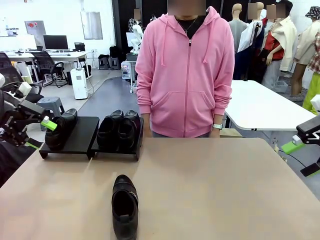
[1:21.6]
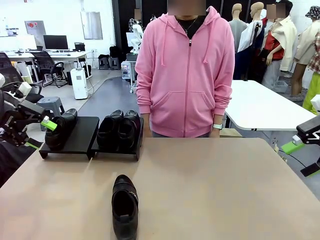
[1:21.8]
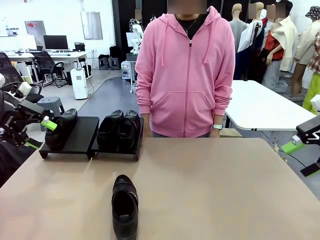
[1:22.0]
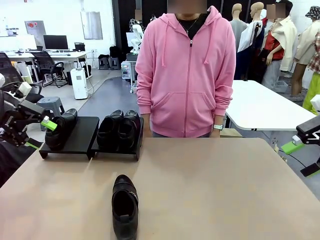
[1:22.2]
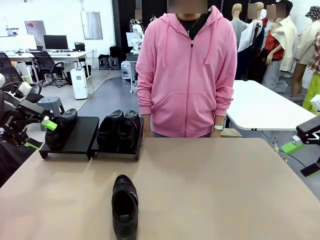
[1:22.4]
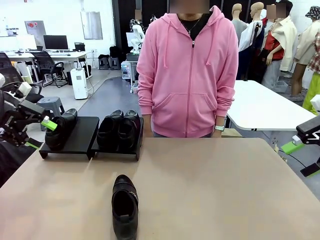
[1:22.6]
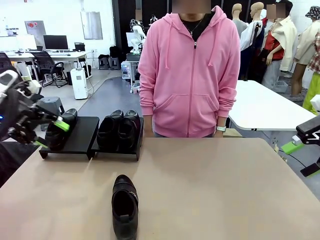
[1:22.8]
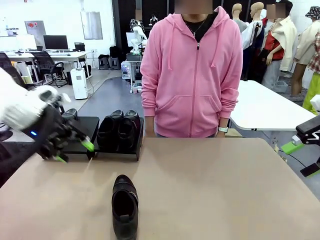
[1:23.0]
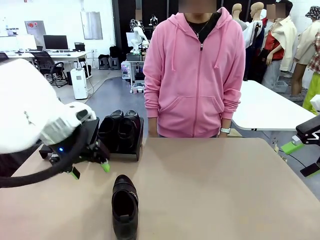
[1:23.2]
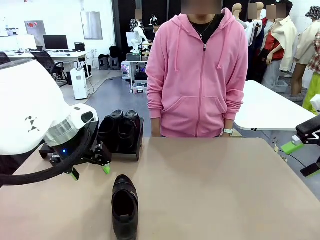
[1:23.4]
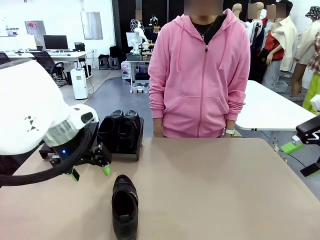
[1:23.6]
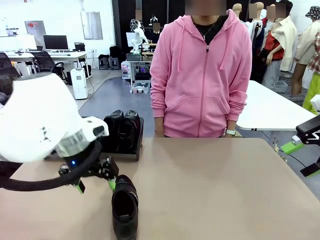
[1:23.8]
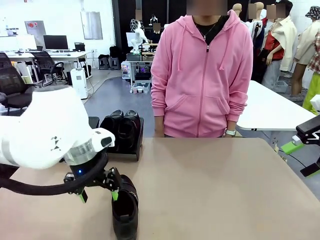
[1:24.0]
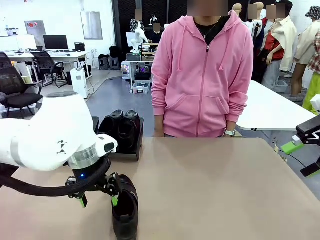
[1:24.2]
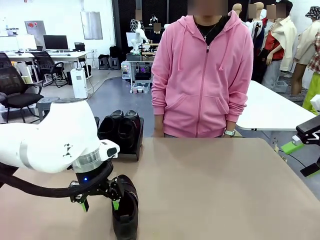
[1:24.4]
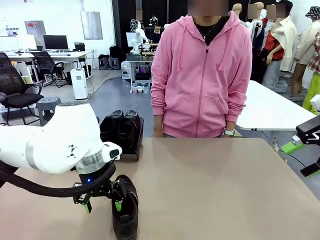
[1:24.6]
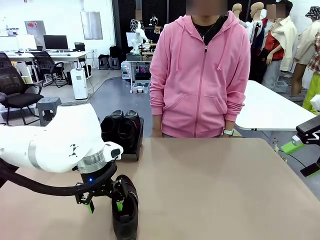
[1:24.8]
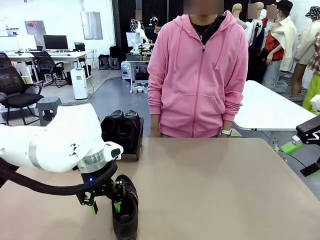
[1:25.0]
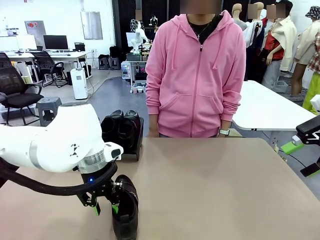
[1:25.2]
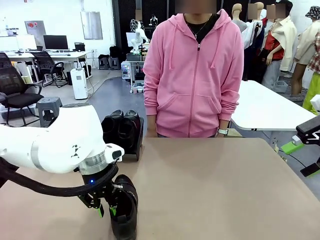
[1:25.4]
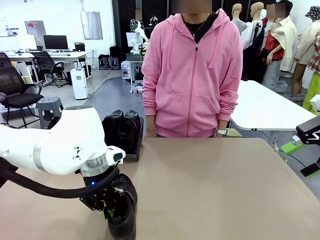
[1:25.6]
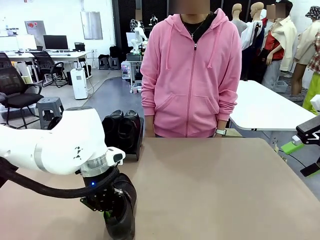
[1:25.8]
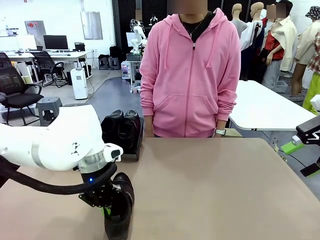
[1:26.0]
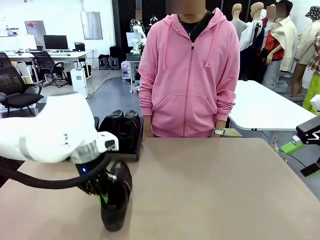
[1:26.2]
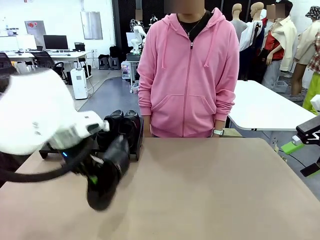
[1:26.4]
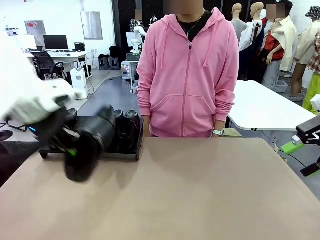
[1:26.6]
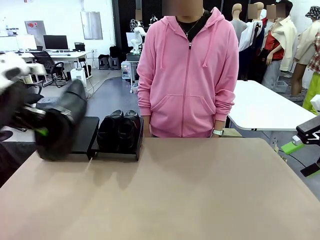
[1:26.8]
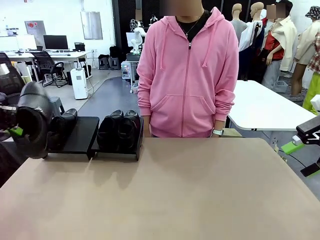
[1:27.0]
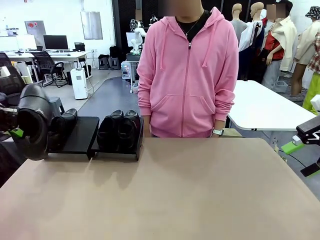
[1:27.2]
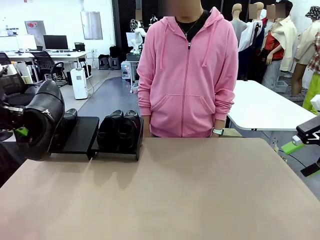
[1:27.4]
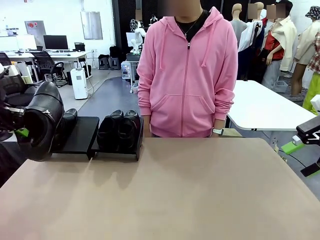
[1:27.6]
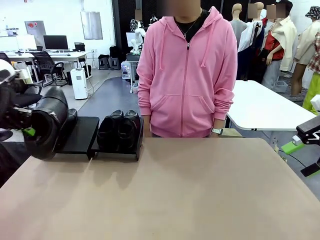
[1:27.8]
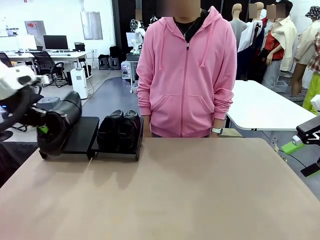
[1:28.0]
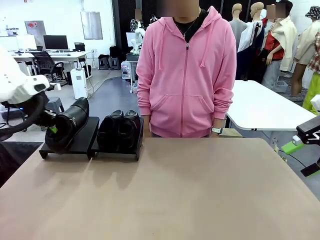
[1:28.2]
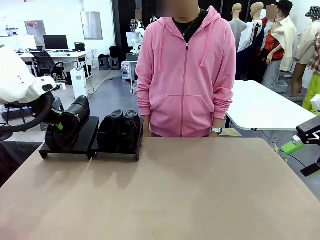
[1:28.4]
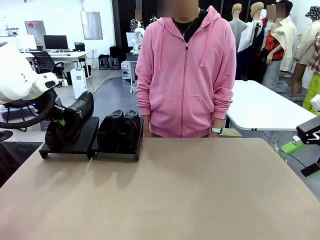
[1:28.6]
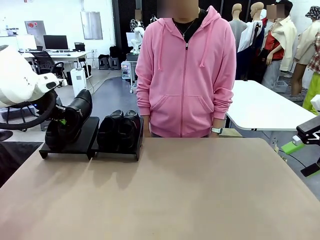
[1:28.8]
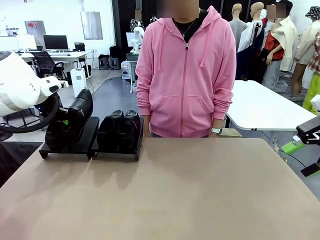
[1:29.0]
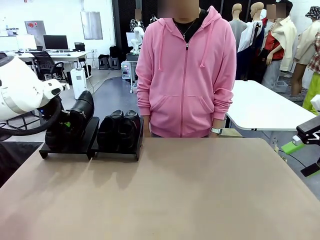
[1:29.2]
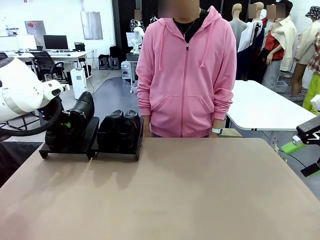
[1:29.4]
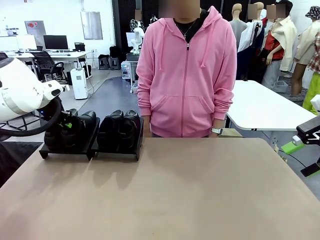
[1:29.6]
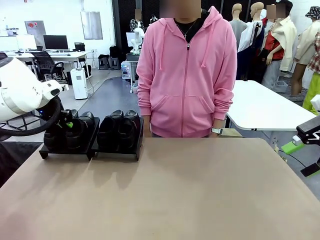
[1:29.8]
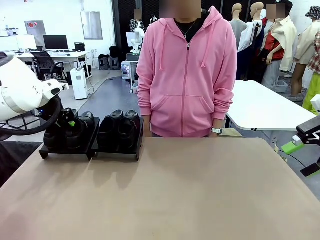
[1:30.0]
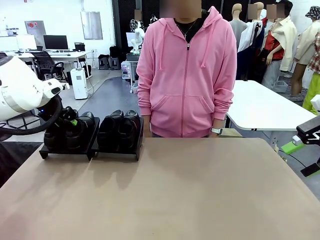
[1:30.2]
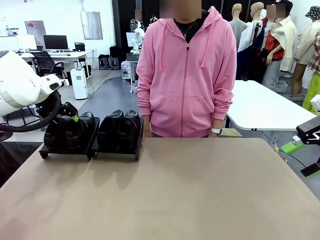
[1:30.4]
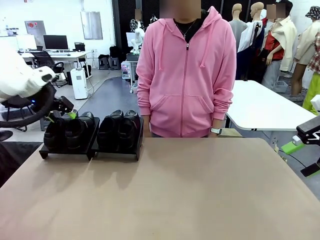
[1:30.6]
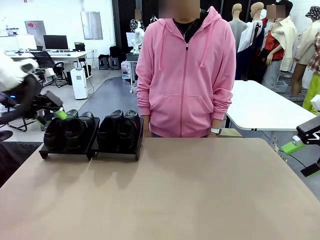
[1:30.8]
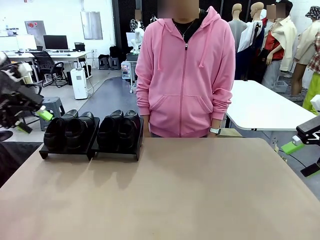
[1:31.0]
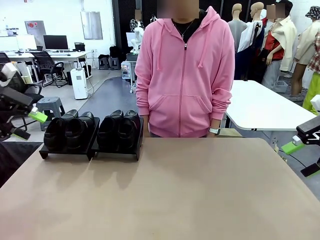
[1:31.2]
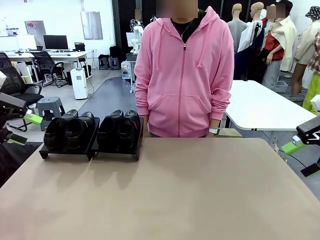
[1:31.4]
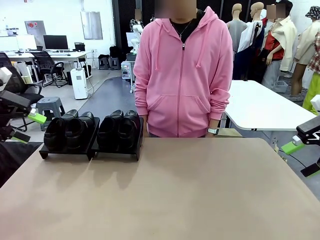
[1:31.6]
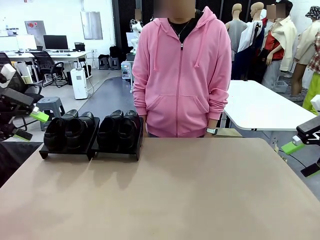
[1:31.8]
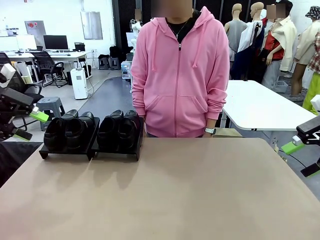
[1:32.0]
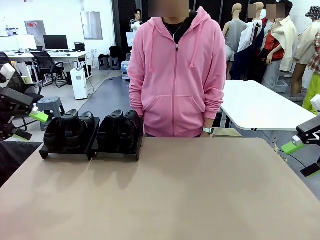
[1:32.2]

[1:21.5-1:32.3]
Task: Organize the shoes by placing them on the stand.
Robot: Place the Shoe from the middle of the table onto the Shoes Stand.

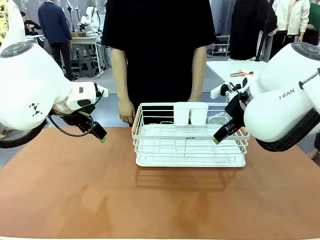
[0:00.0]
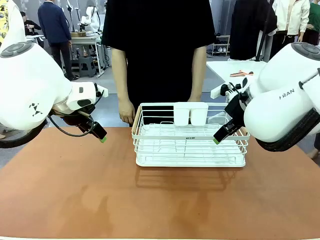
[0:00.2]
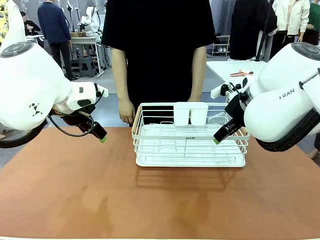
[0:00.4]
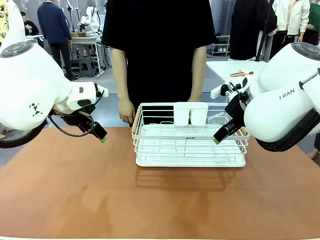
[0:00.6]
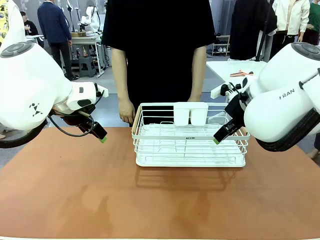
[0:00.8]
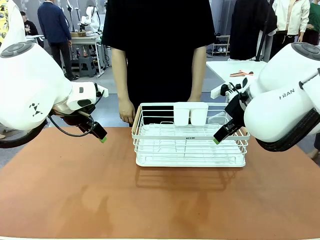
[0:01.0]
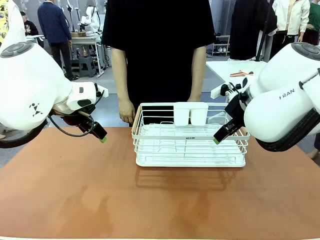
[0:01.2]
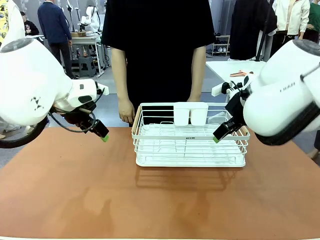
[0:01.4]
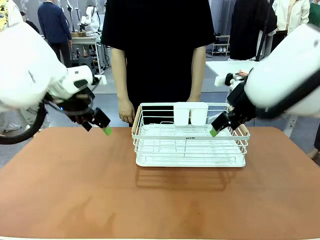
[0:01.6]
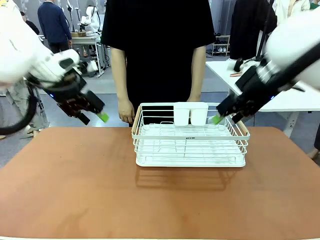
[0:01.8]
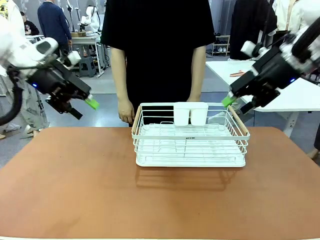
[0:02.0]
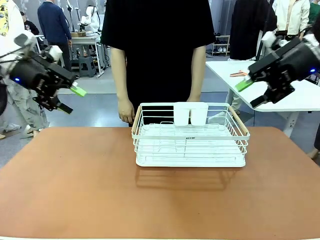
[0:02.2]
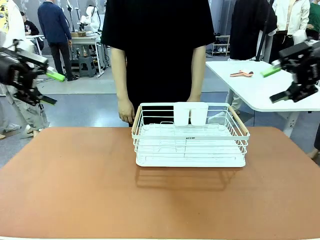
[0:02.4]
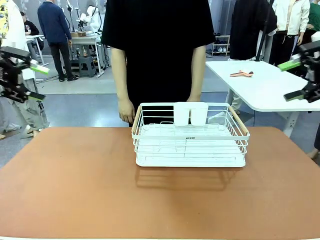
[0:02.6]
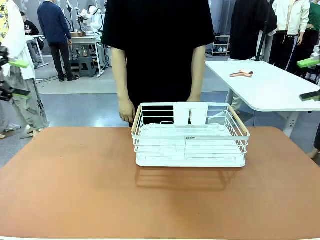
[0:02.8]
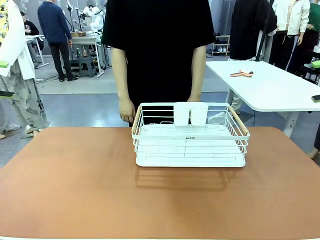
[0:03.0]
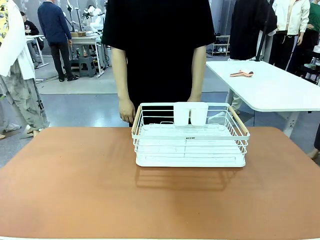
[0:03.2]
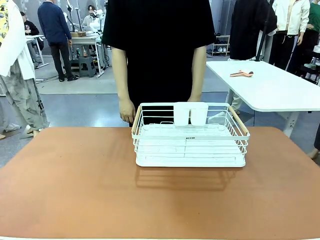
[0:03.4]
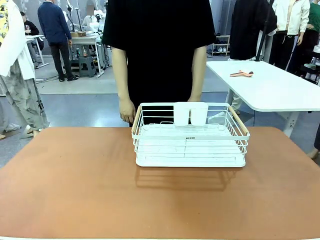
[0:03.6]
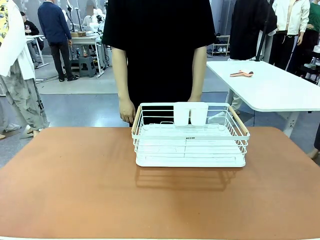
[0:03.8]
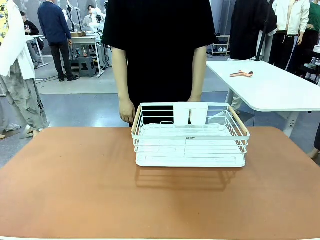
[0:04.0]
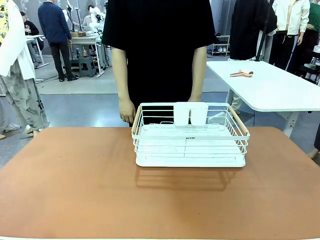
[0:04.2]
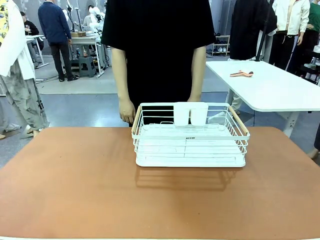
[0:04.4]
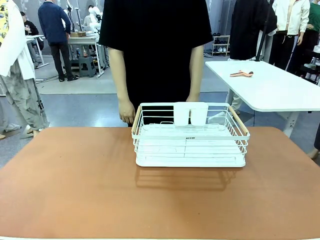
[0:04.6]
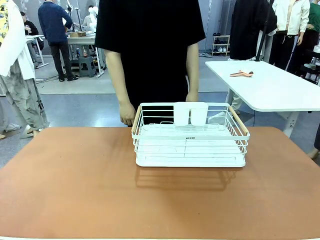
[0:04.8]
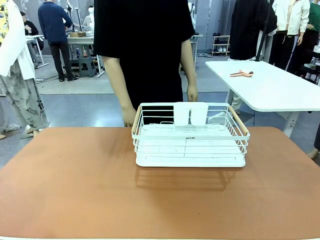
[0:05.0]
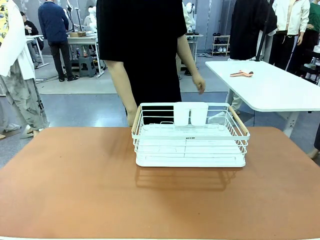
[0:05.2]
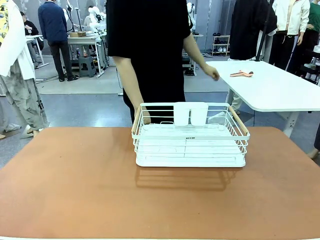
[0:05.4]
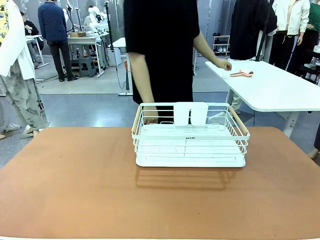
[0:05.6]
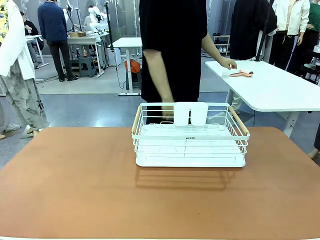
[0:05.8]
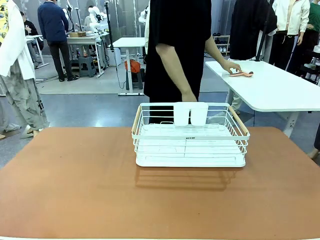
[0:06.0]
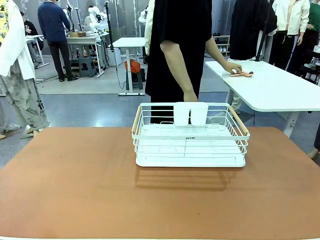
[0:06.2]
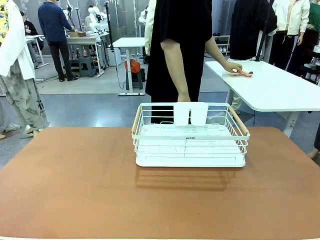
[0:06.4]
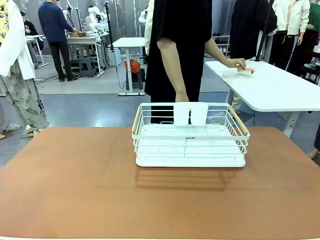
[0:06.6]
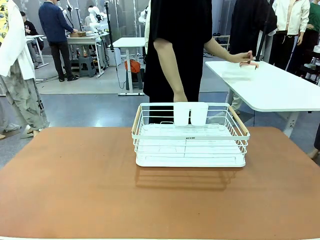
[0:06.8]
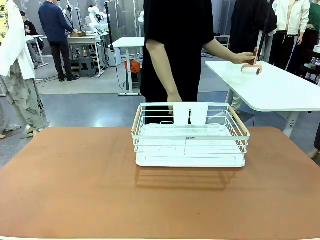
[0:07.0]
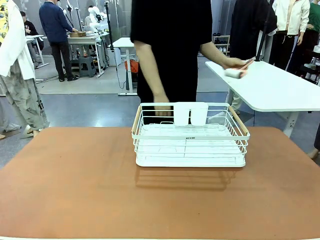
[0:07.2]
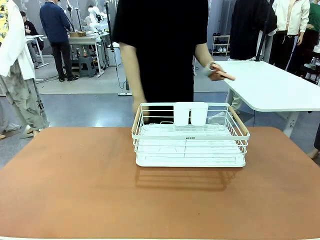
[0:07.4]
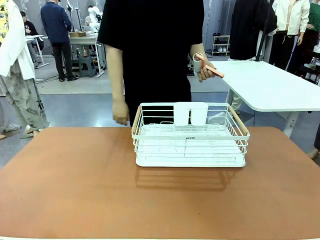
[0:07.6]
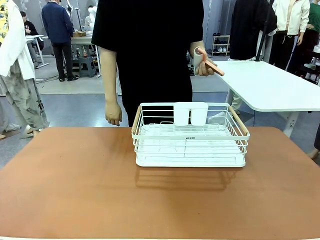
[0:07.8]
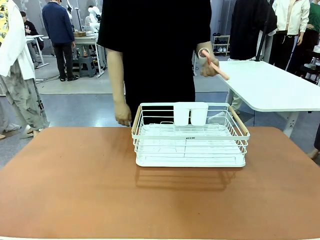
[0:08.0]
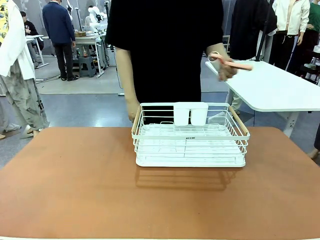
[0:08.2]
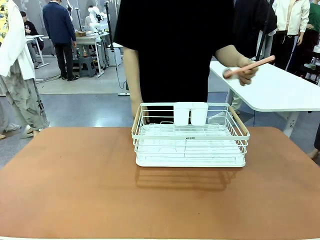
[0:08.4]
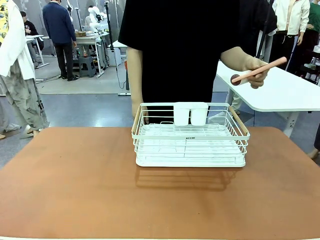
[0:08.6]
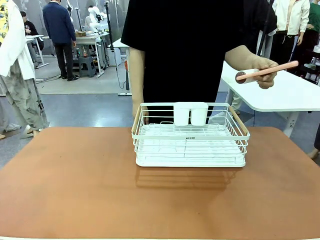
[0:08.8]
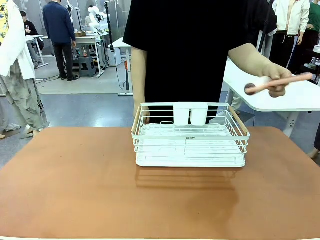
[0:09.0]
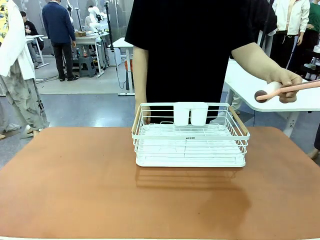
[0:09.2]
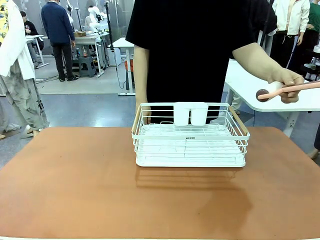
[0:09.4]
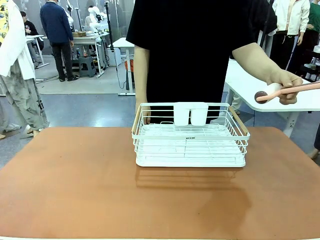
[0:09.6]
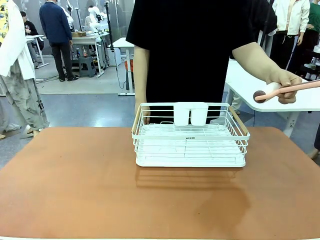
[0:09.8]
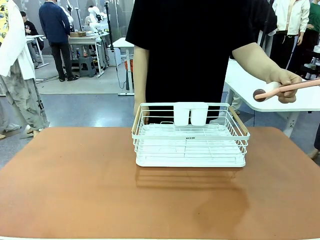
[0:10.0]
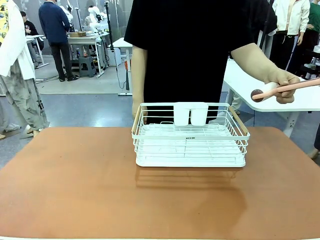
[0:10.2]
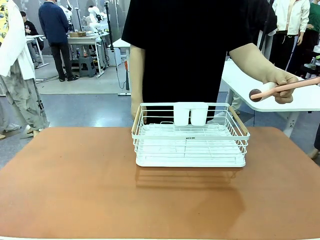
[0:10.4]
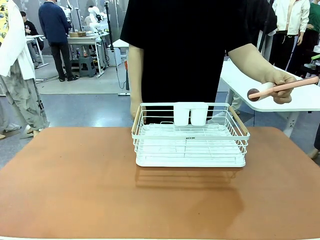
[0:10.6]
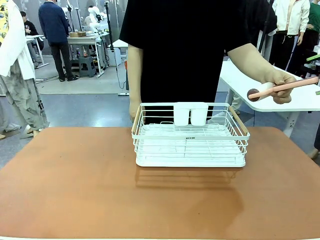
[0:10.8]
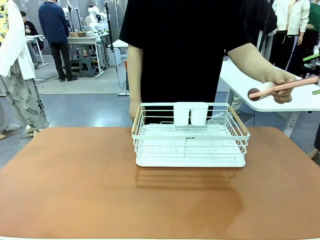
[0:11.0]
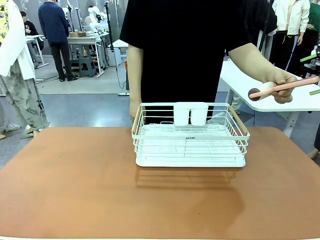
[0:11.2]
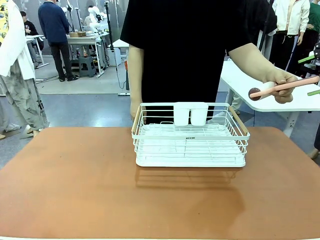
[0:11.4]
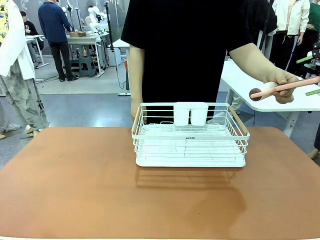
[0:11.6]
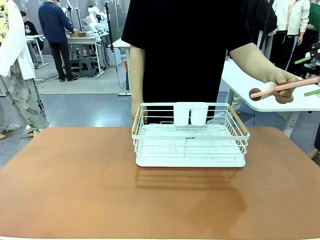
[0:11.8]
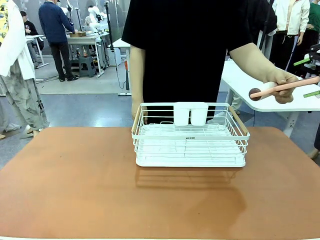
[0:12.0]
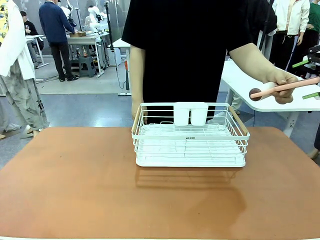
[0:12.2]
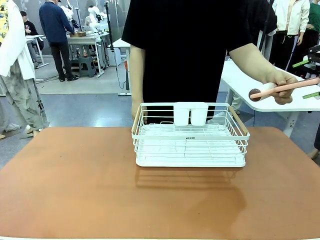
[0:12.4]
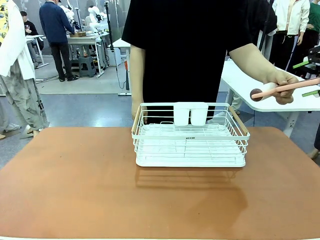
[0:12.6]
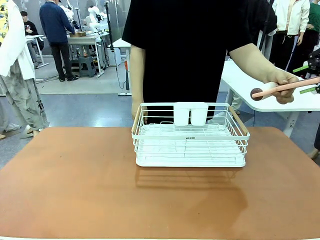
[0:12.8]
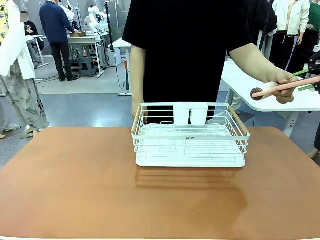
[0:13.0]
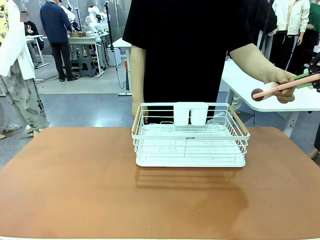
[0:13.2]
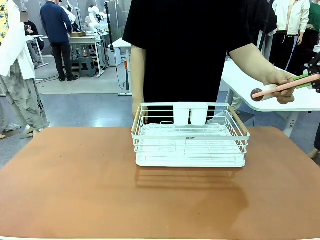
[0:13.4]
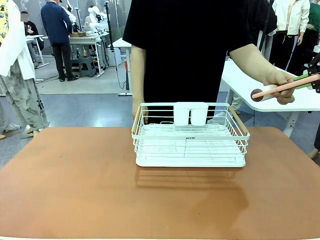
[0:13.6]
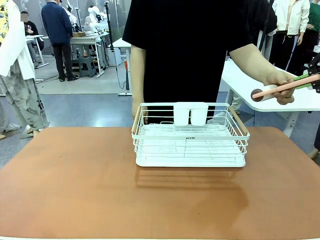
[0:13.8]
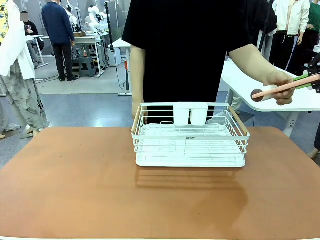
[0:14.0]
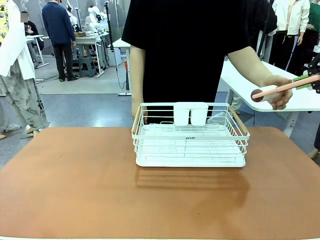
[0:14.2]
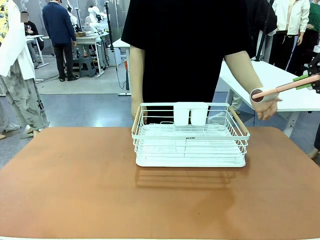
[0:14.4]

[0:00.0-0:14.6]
Task: Clean the table.
Robot: Pick up the Lint Roller when the human hands it over.
Person: Hand the Lint Roller to the robot so it can easily pick it up. Lift the Dish drying rack.
